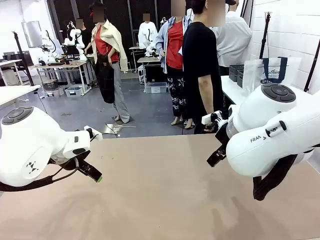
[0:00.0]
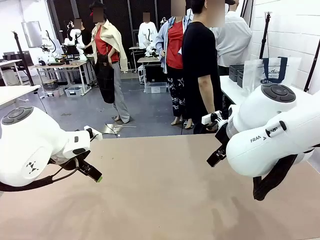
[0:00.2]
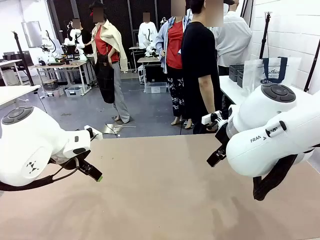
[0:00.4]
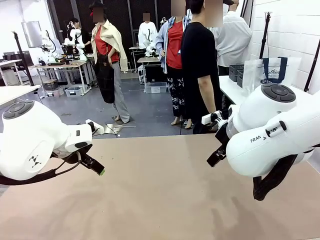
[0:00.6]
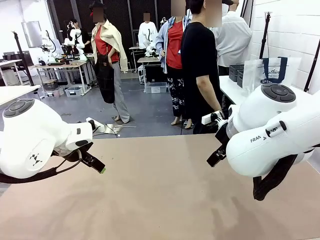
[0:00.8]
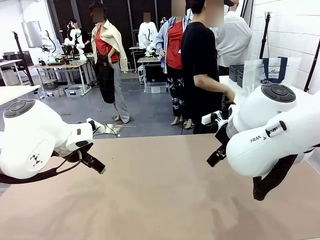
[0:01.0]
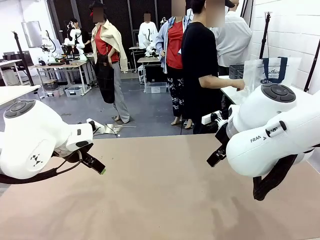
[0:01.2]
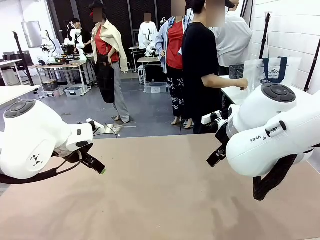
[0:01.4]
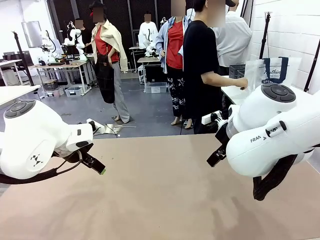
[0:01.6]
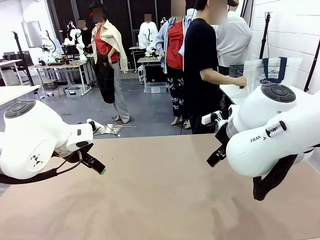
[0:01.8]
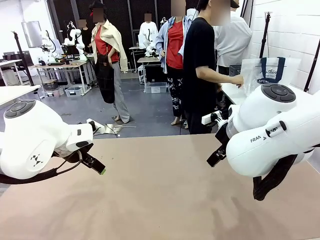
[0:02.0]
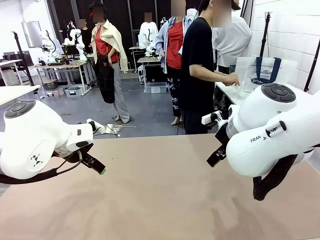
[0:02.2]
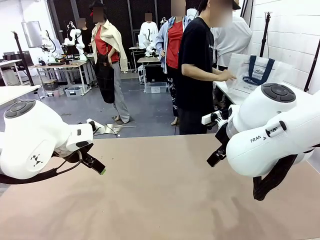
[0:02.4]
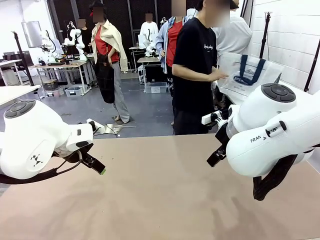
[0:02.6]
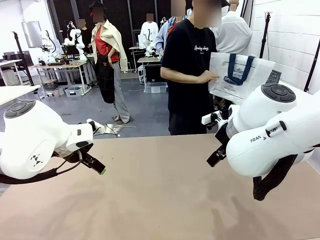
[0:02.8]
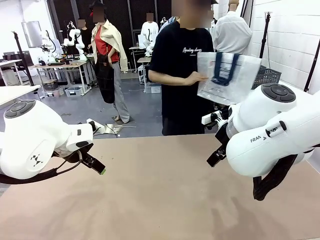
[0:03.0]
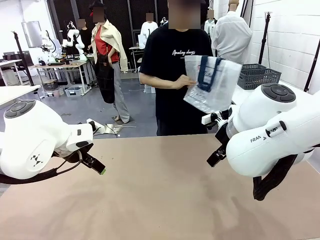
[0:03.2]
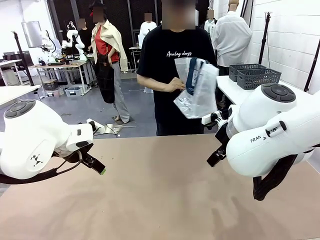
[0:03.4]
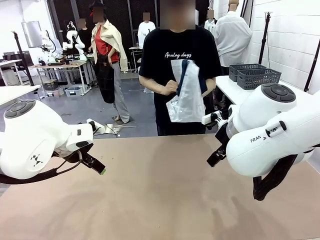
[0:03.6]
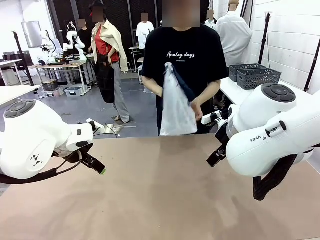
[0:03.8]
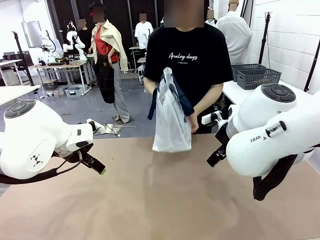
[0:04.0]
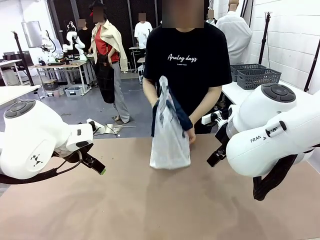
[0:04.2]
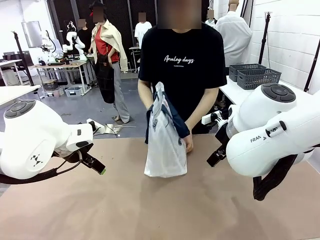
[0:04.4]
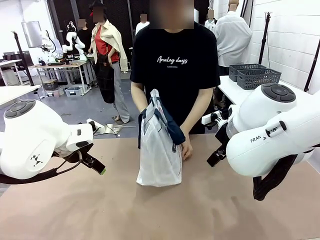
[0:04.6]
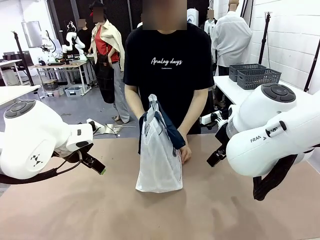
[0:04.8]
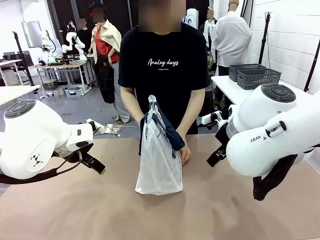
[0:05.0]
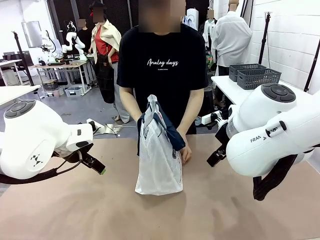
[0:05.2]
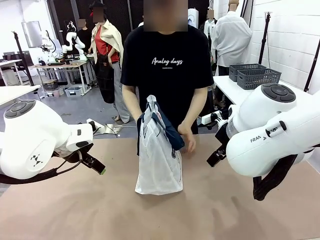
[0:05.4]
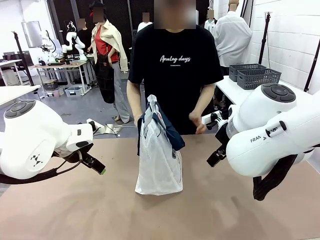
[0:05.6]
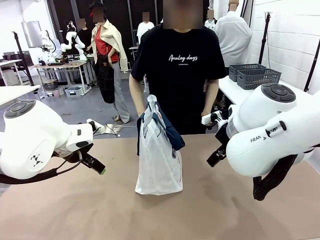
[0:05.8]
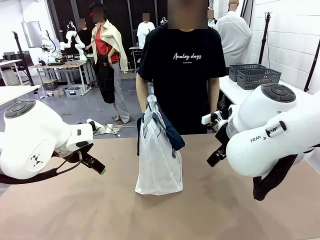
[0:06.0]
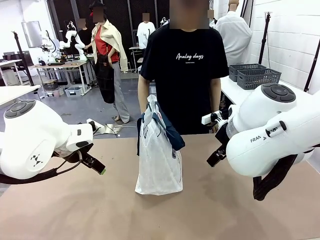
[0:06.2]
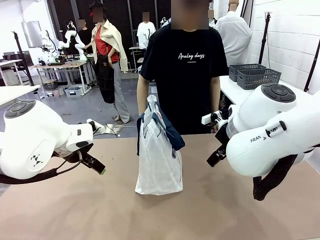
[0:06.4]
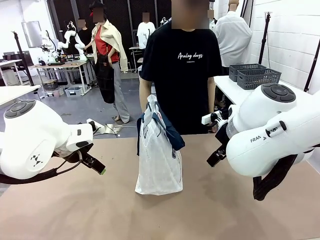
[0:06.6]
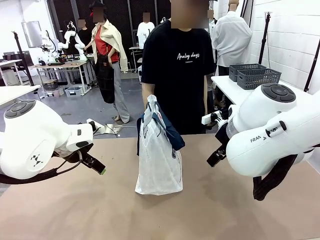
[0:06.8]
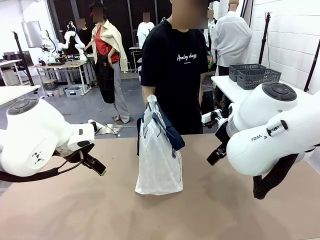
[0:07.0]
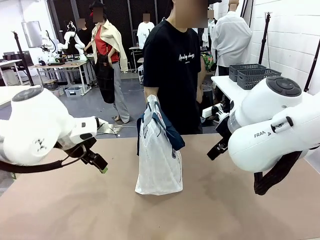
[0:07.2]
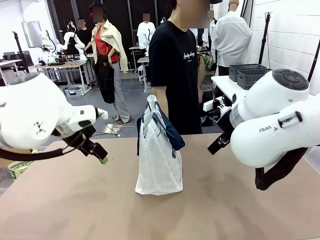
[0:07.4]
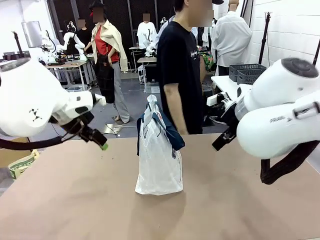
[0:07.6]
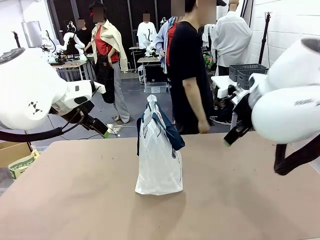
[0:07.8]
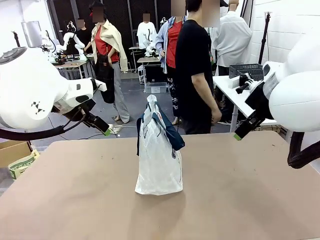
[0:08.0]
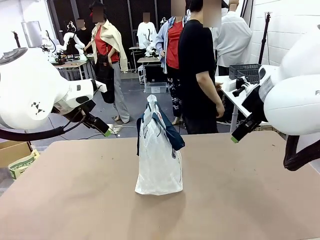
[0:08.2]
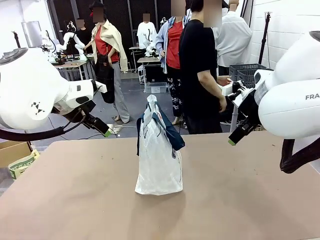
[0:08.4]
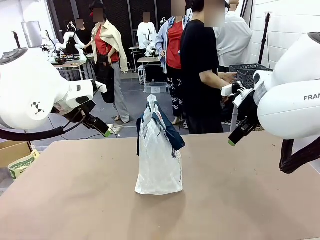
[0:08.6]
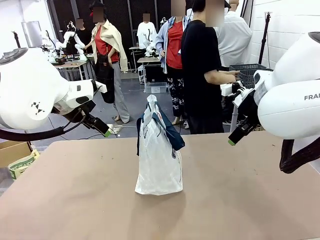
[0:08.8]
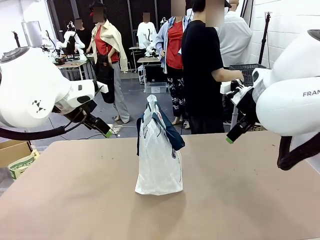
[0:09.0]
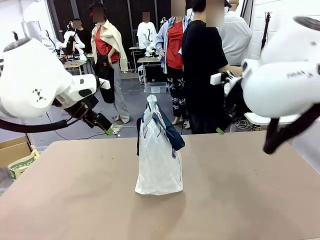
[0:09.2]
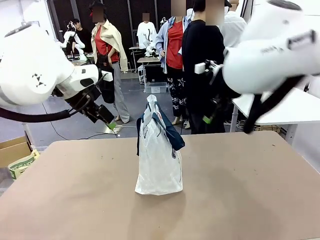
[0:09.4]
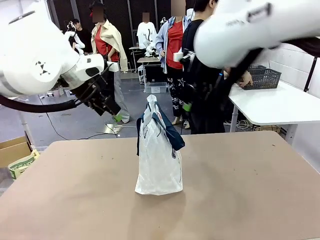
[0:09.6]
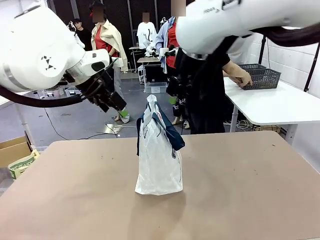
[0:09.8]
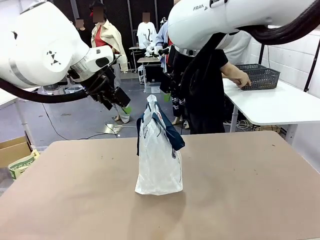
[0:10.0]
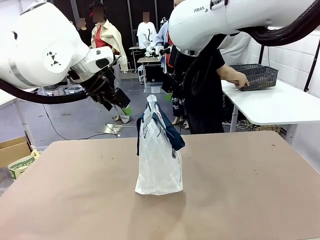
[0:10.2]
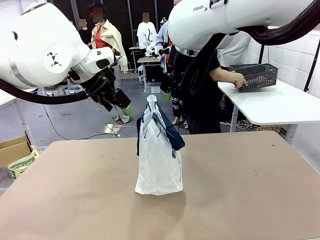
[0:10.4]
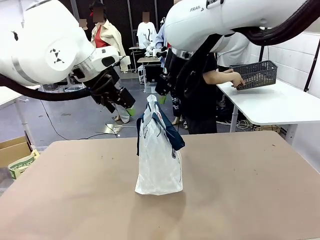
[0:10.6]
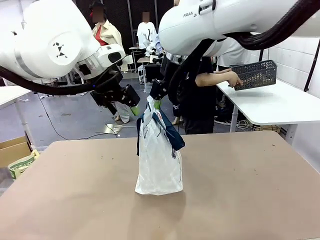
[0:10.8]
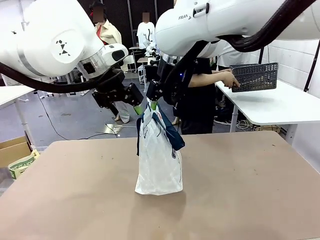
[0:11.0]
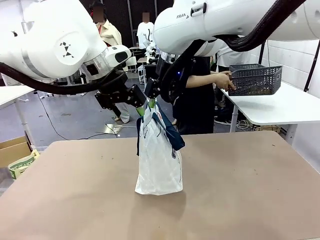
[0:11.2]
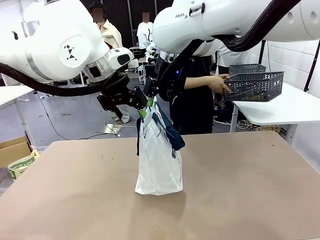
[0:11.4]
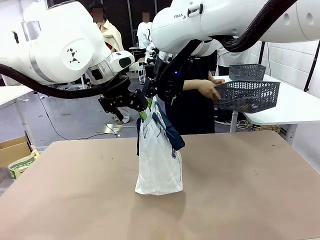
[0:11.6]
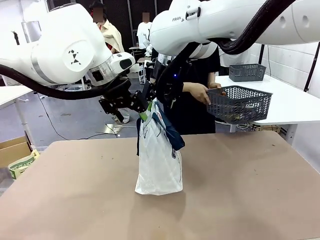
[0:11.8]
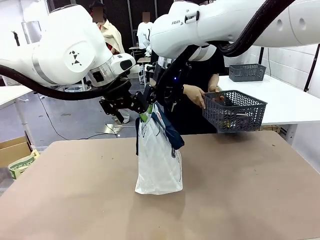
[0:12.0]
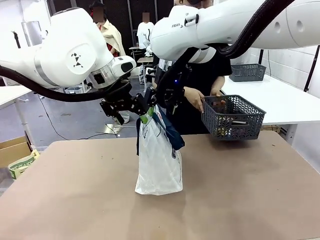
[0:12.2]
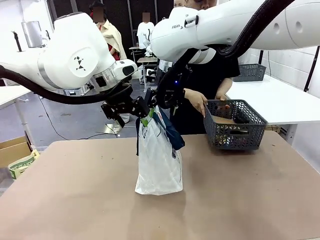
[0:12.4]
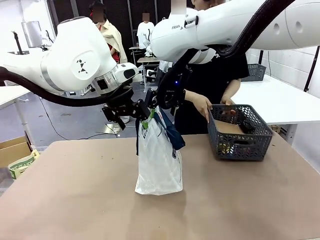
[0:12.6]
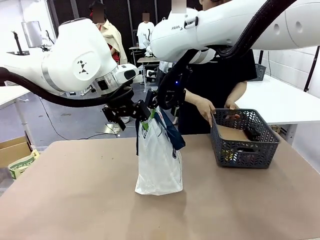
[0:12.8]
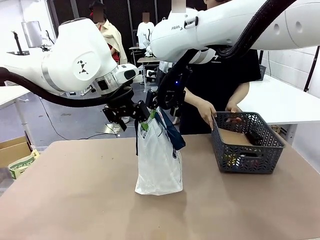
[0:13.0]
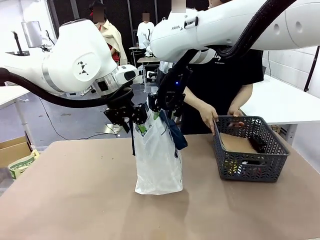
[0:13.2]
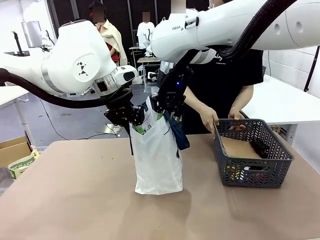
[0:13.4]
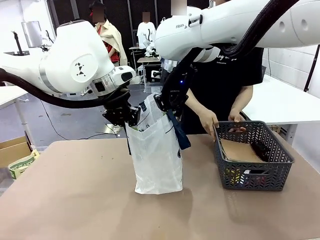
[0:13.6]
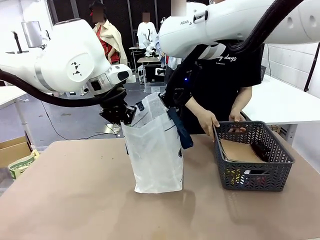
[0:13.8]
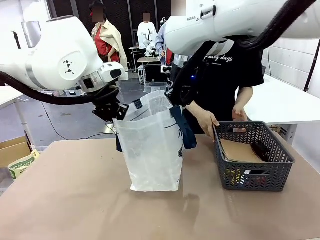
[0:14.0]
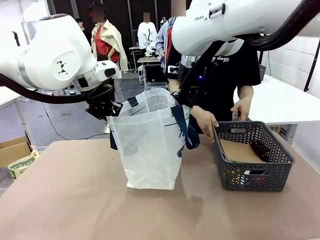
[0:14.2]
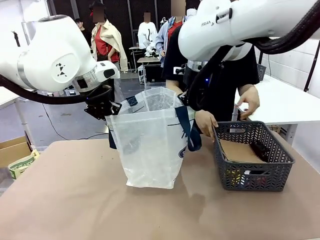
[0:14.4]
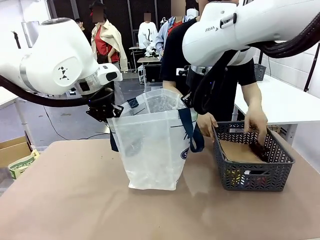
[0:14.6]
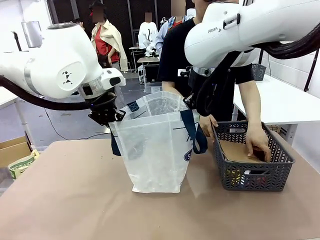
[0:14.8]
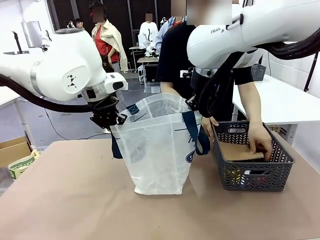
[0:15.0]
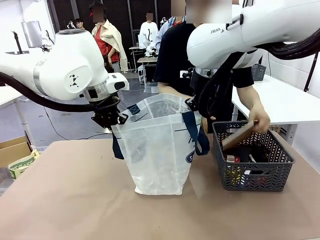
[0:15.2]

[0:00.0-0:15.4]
Task: Transfer purchased items from the store into the shopping bag.
Robot: Open the Reusable shopping bag in the center of the table.
Person: Pick up the shopping bag and place it in the middle of the robot table.
